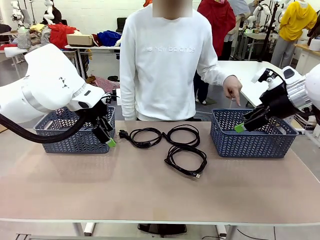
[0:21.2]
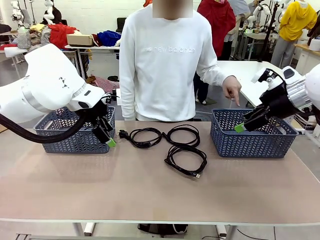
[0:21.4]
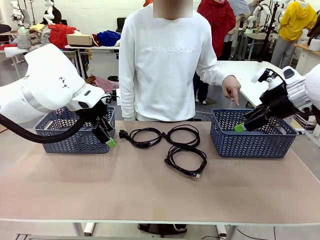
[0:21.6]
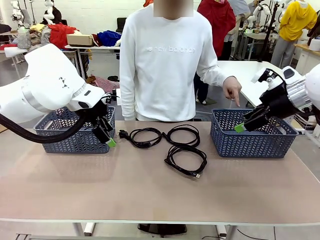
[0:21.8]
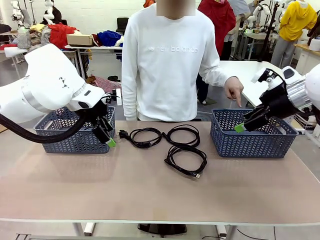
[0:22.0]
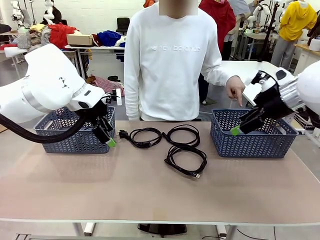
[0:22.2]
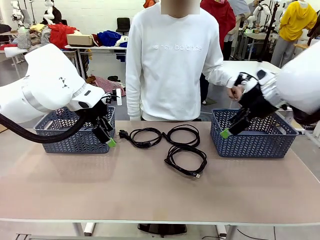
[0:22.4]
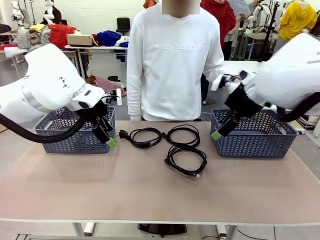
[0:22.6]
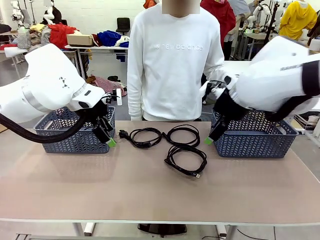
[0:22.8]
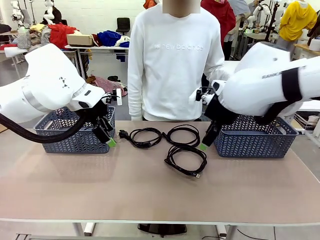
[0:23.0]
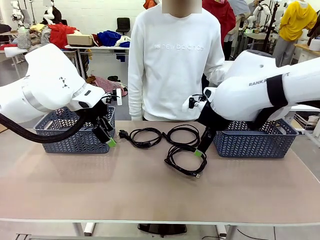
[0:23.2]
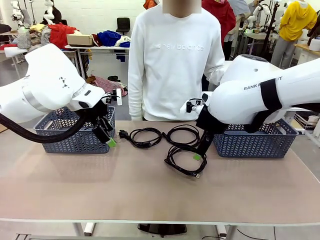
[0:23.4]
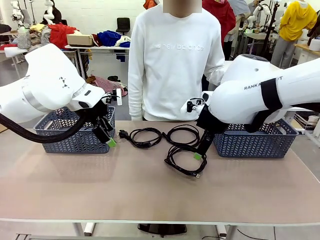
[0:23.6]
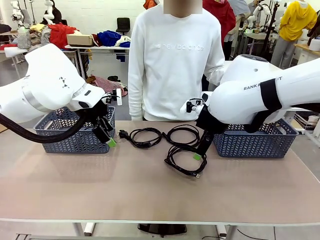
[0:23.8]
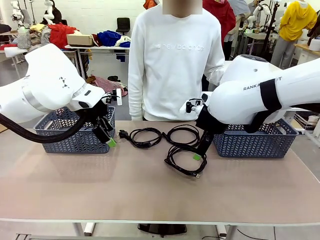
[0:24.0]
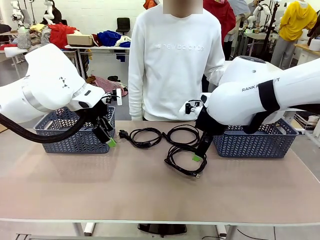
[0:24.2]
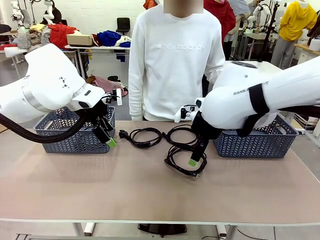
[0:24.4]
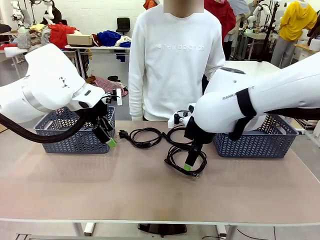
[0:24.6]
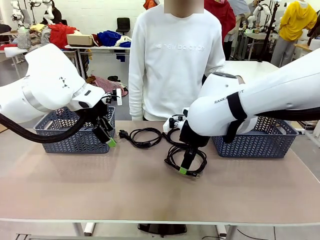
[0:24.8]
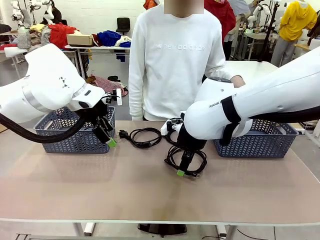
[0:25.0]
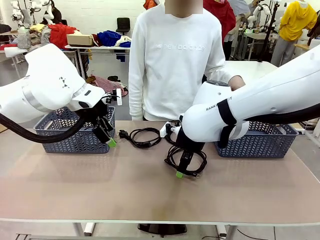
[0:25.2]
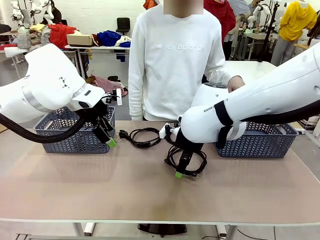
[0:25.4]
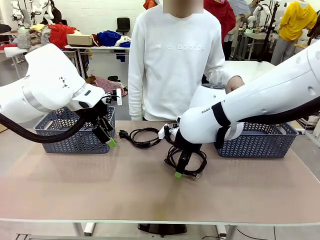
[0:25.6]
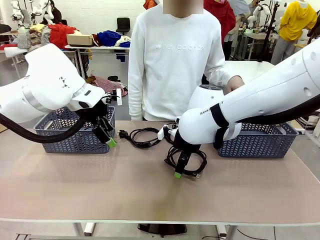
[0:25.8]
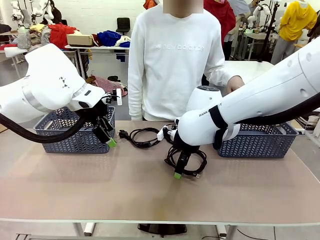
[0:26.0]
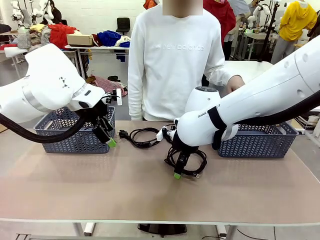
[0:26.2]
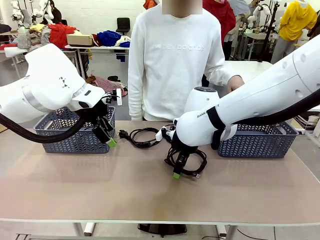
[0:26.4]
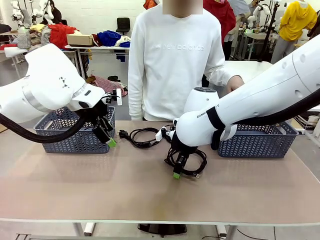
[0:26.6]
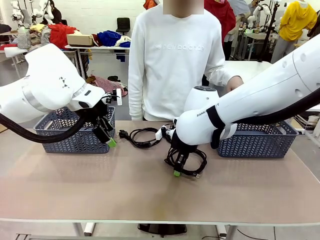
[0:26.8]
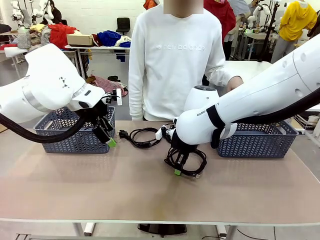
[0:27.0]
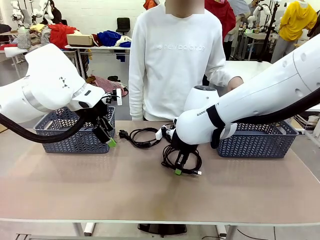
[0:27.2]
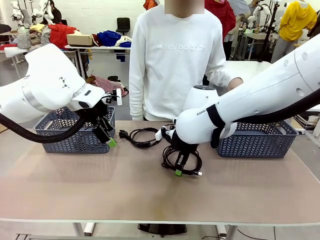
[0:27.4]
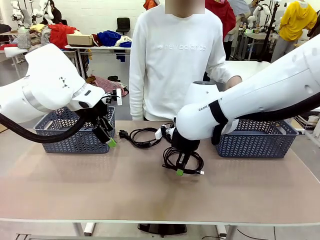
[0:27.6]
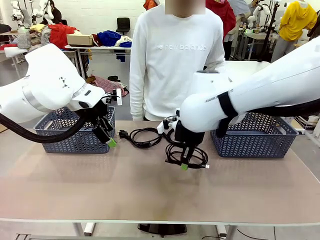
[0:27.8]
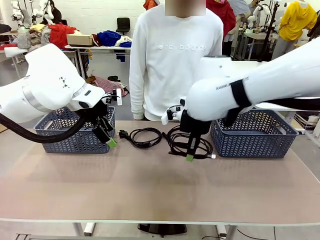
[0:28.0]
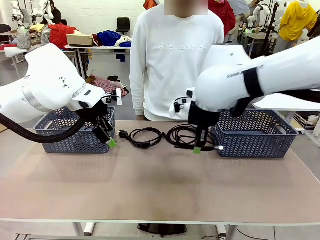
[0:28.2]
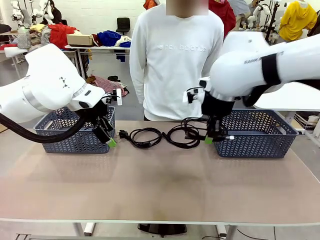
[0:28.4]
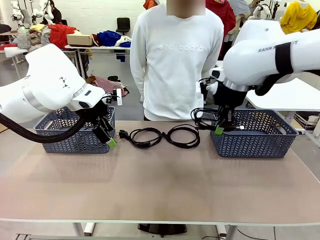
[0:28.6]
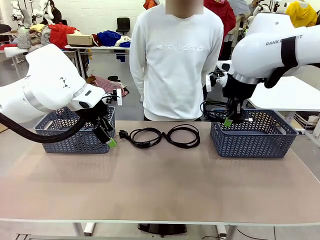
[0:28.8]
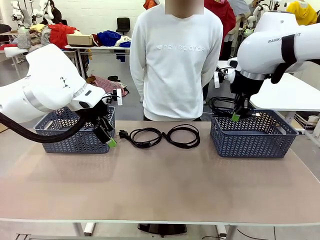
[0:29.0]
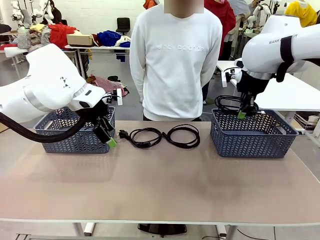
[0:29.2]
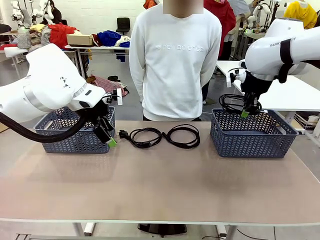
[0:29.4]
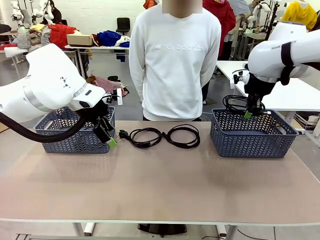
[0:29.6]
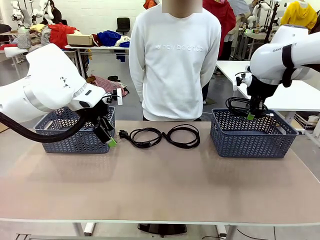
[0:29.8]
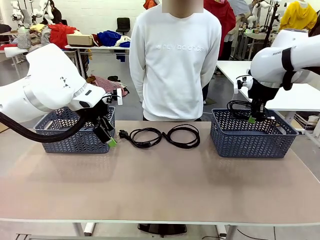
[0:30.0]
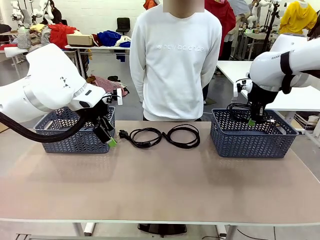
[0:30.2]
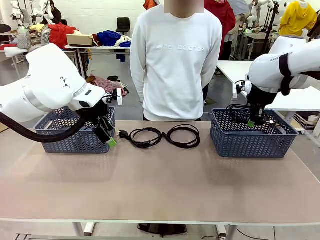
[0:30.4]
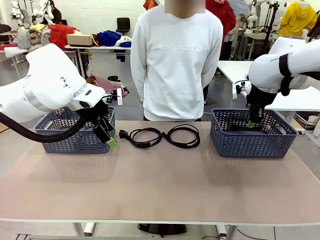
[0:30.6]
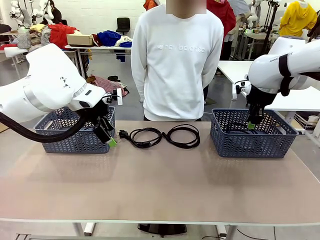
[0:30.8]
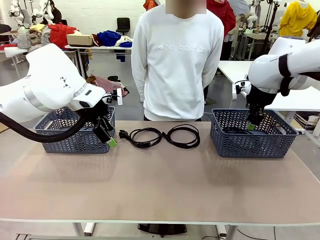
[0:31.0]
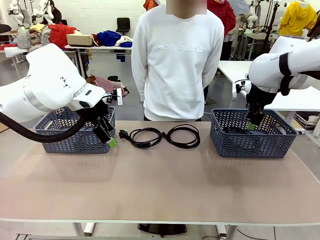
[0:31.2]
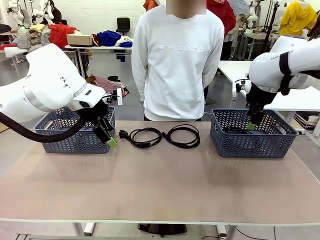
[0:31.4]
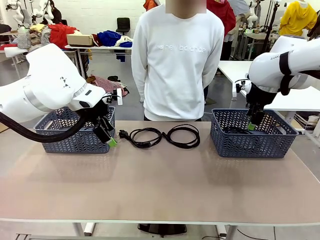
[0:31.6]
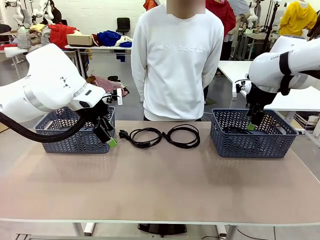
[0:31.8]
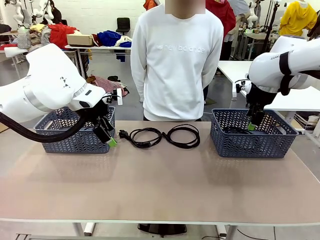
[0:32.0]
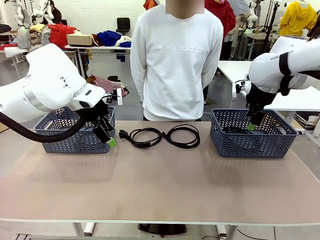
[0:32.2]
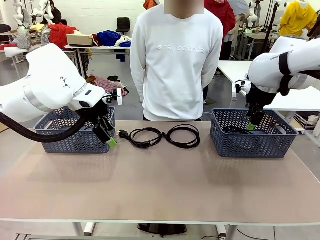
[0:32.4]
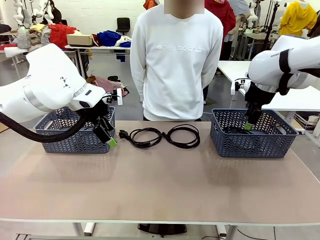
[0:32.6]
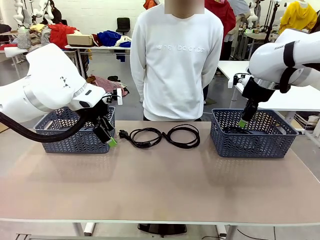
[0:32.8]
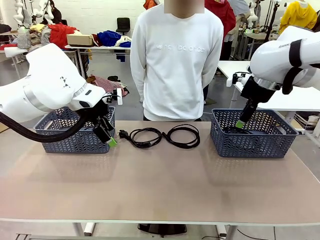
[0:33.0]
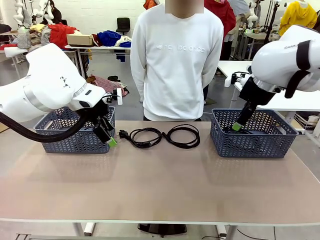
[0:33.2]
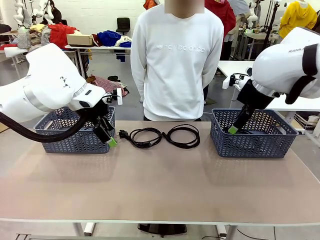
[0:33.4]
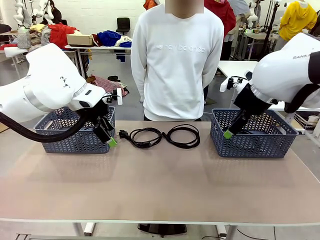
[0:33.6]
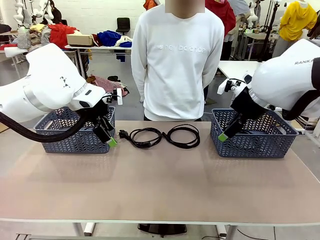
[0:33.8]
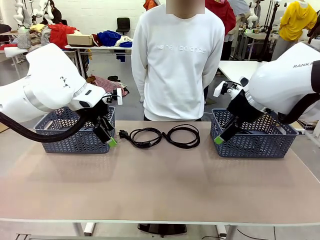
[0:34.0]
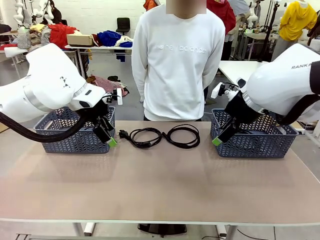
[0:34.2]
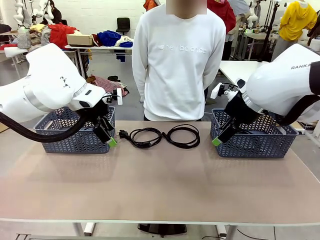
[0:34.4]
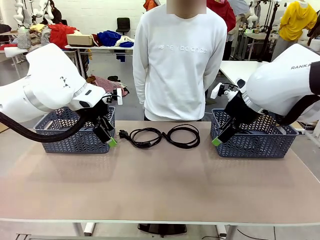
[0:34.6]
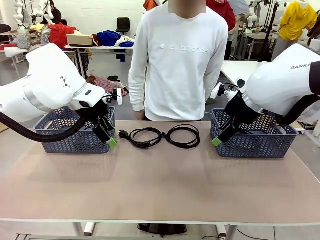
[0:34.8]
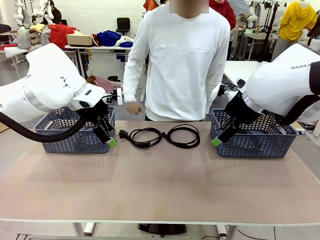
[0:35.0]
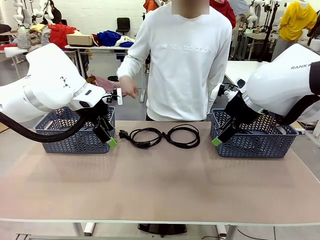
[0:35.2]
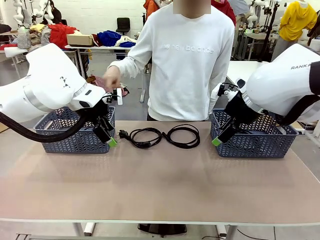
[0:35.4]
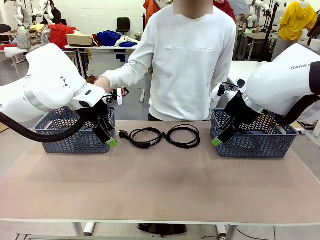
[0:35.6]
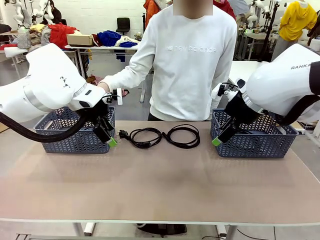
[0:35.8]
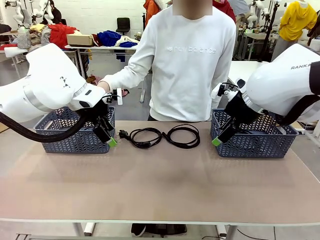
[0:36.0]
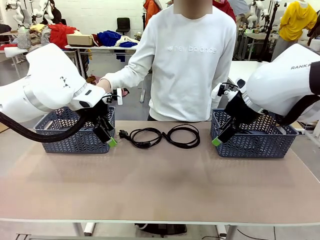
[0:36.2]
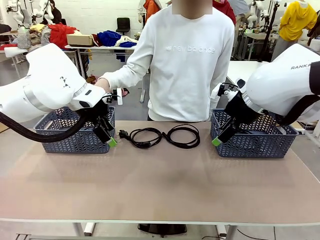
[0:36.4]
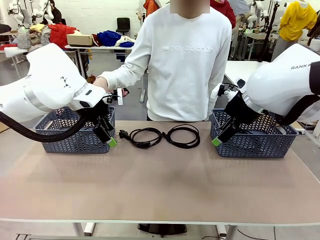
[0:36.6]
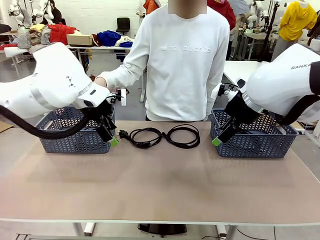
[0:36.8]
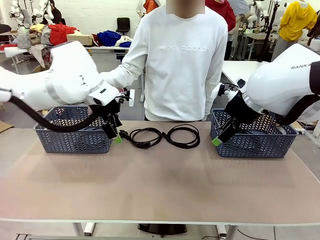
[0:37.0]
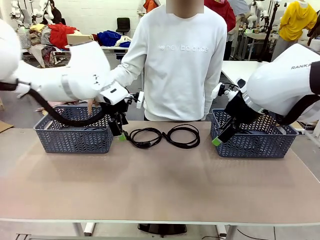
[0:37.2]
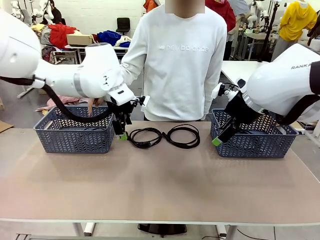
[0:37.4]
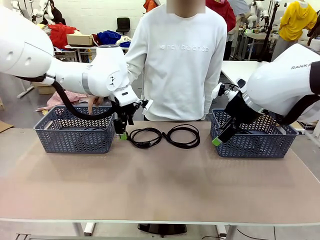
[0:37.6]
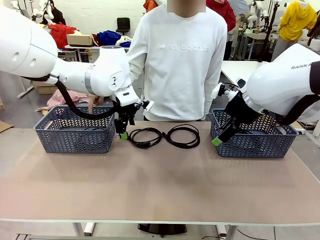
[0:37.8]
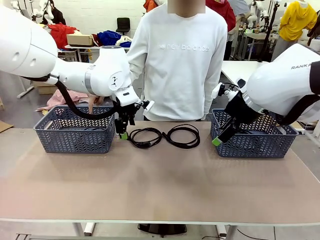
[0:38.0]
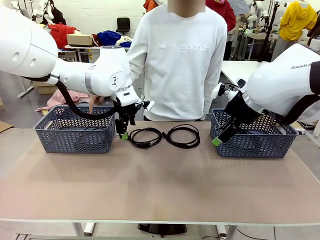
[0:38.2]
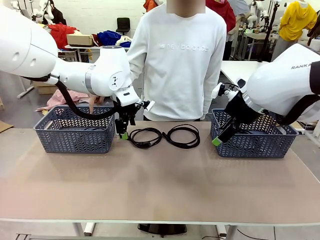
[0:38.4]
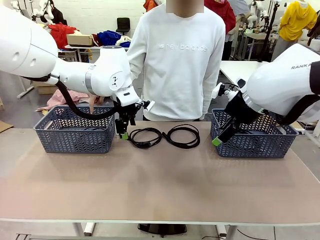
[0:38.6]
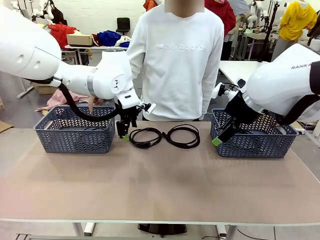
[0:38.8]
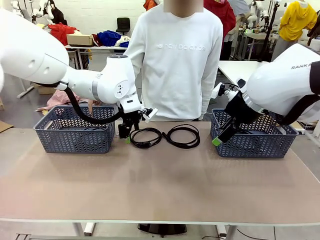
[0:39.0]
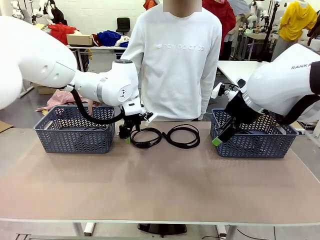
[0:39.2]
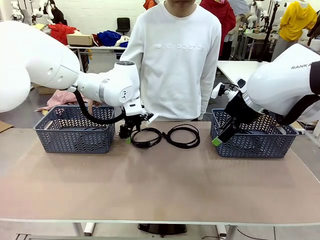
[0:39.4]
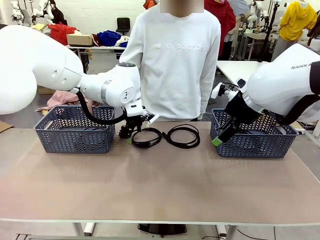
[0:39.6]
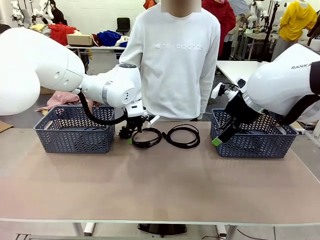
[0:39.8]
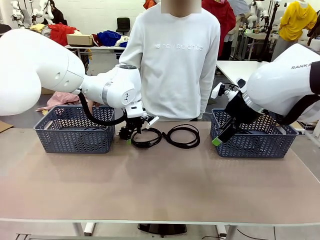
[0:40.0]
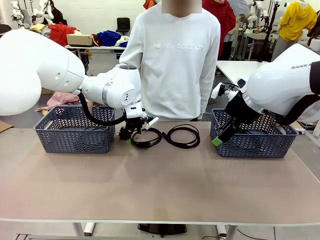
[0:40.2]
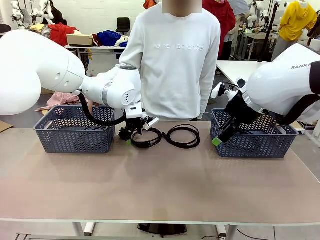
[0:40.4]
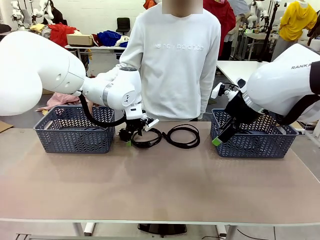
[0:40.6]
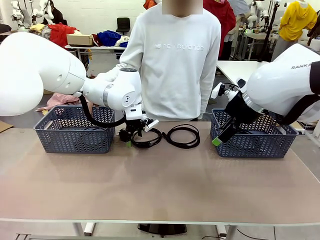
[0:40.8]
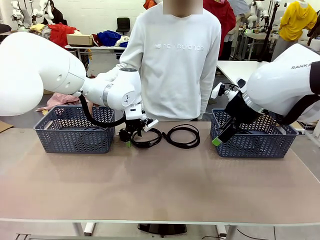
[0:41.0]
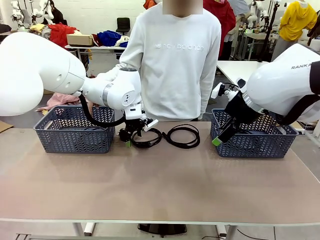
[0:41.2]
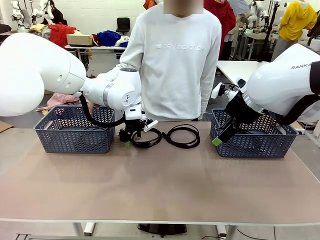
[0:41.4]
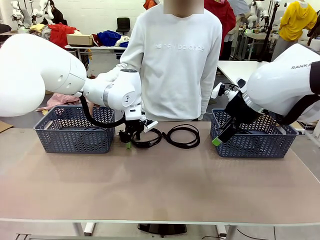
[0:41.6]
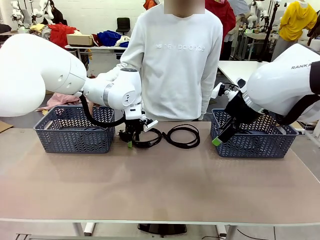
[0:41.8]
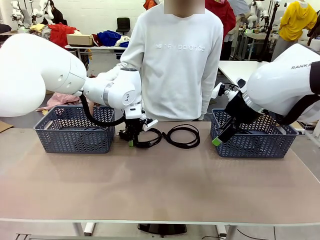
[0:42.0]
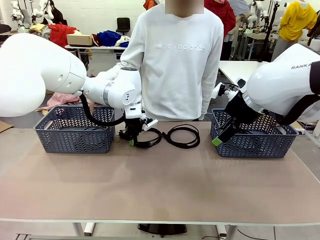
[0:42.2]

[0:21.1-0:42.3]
Task: Organize the cables according to human instructions.
Robot: Pick up a bundle of cables and place it in the basket indicated by the human.
